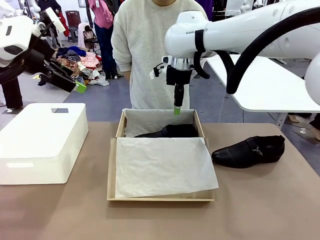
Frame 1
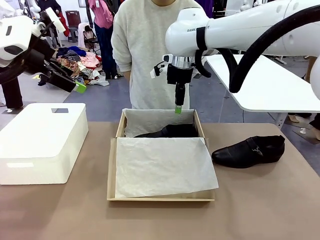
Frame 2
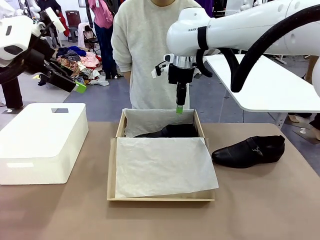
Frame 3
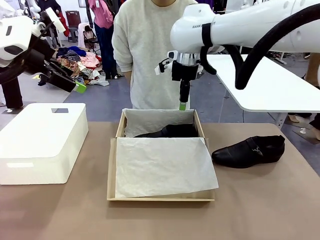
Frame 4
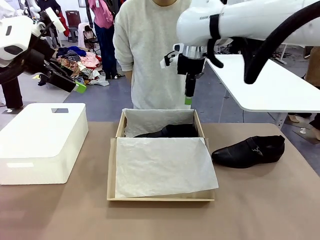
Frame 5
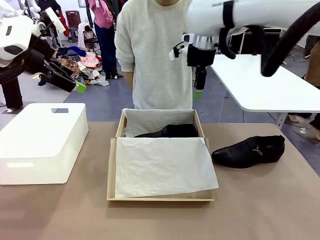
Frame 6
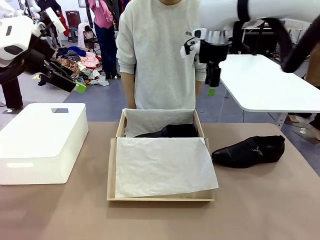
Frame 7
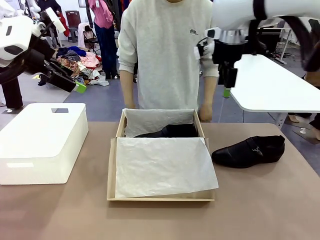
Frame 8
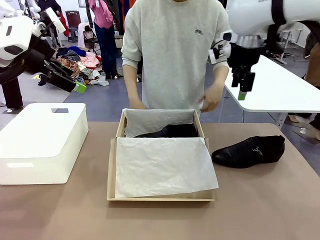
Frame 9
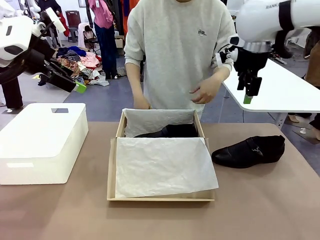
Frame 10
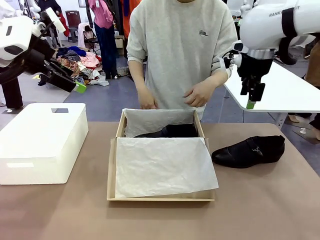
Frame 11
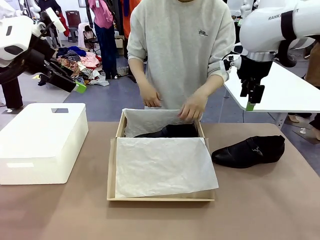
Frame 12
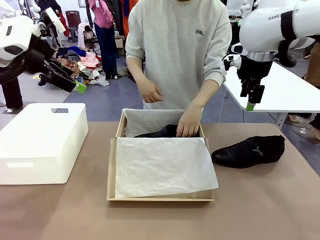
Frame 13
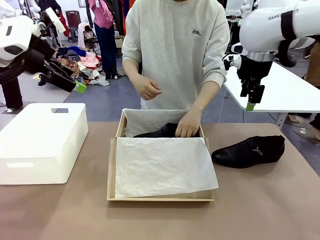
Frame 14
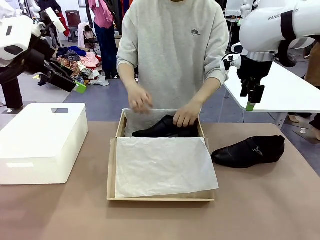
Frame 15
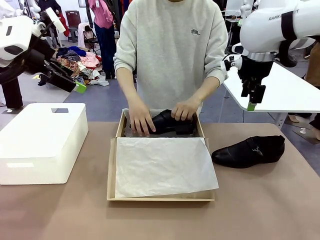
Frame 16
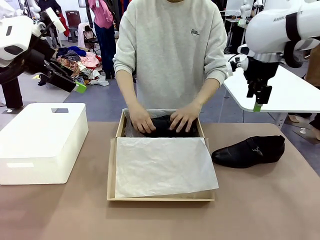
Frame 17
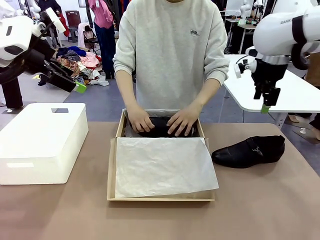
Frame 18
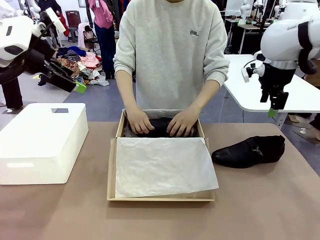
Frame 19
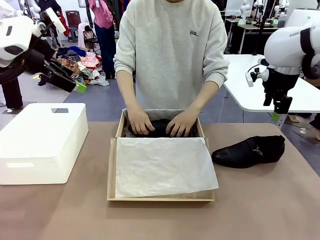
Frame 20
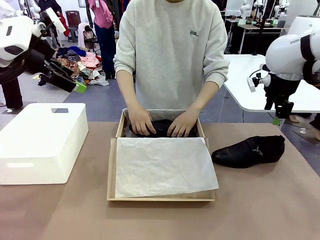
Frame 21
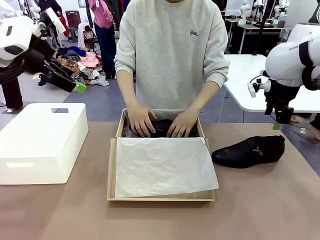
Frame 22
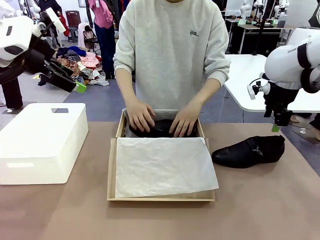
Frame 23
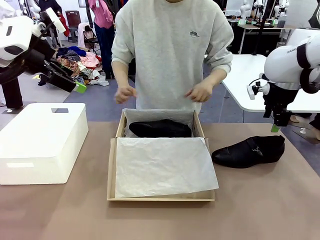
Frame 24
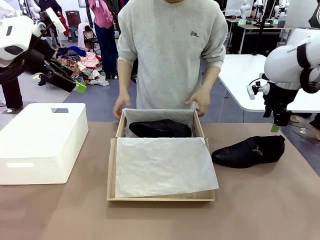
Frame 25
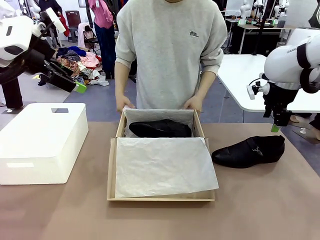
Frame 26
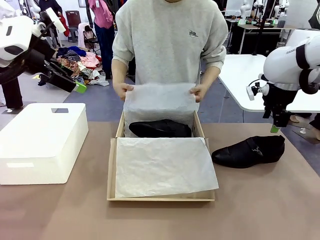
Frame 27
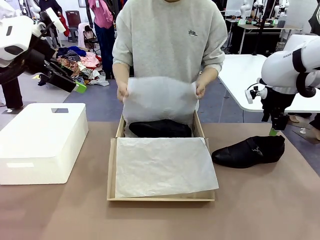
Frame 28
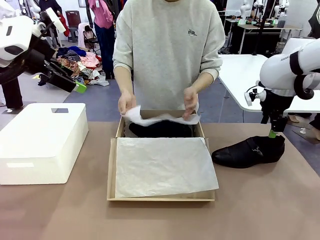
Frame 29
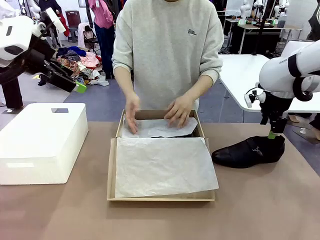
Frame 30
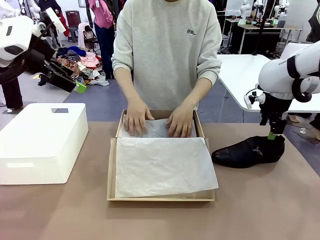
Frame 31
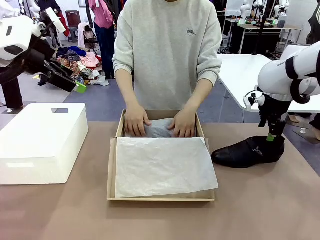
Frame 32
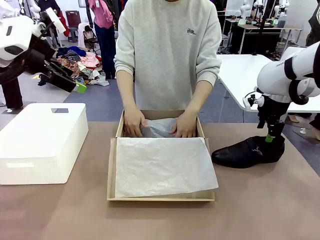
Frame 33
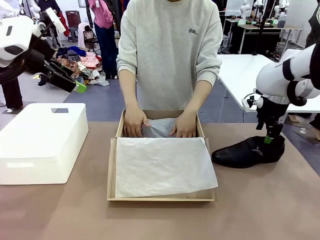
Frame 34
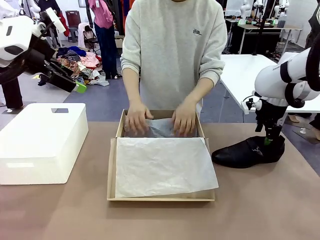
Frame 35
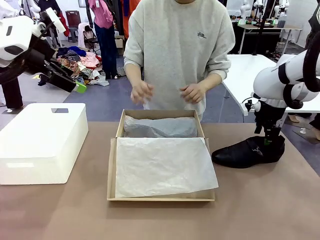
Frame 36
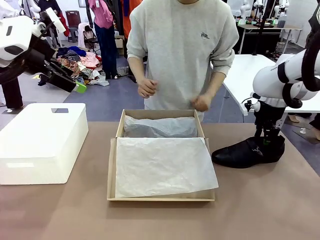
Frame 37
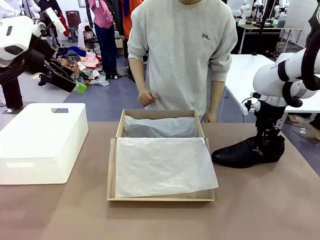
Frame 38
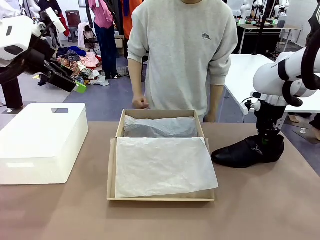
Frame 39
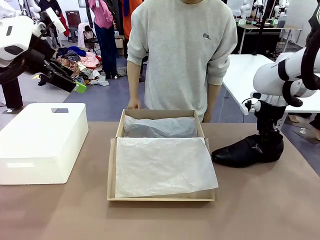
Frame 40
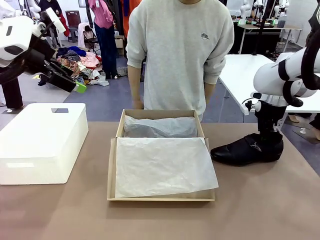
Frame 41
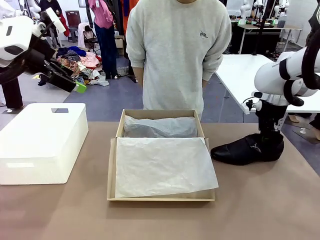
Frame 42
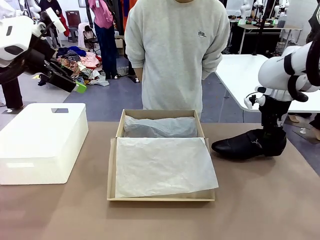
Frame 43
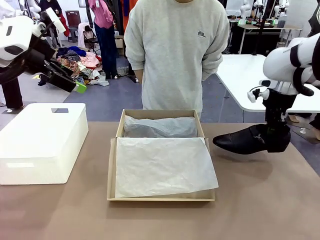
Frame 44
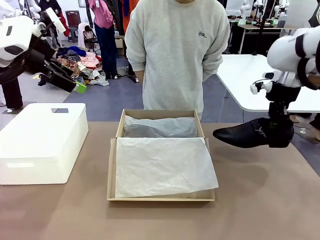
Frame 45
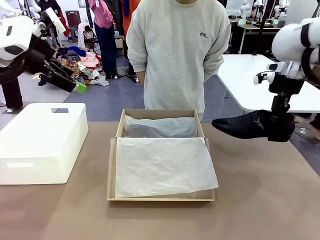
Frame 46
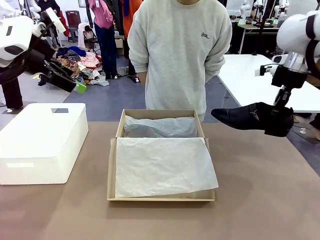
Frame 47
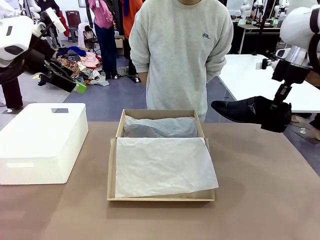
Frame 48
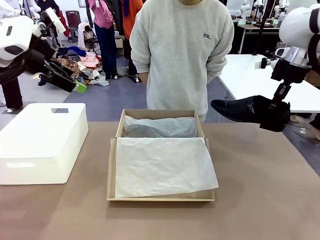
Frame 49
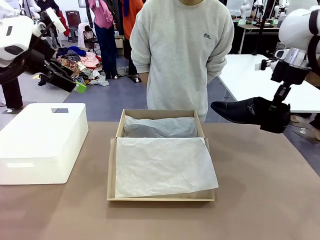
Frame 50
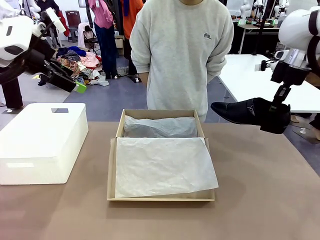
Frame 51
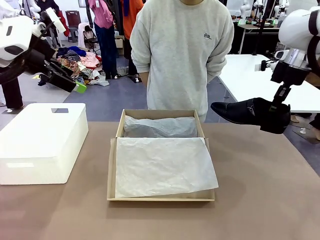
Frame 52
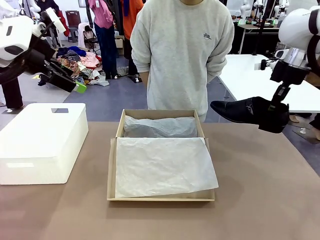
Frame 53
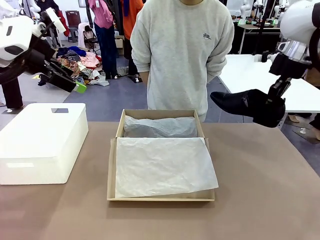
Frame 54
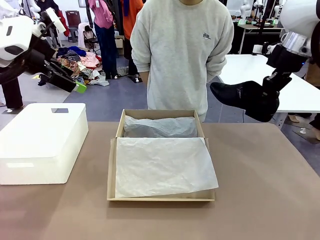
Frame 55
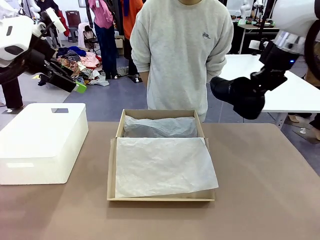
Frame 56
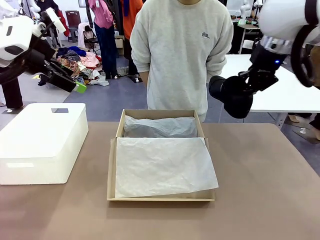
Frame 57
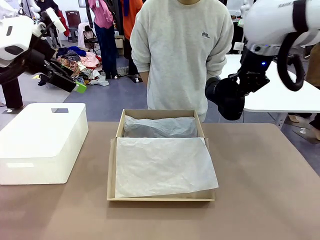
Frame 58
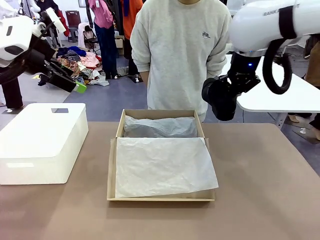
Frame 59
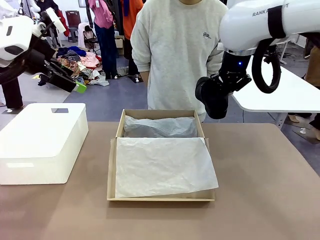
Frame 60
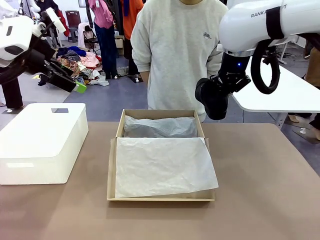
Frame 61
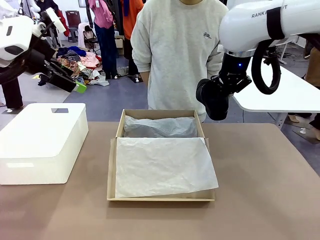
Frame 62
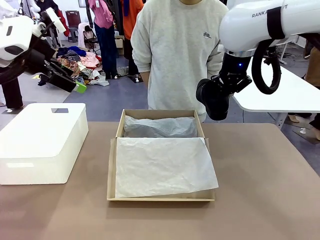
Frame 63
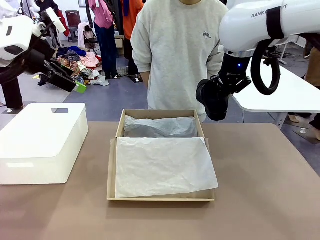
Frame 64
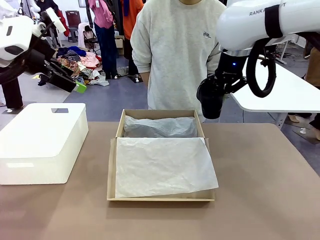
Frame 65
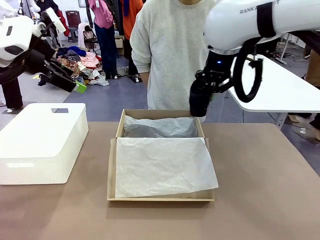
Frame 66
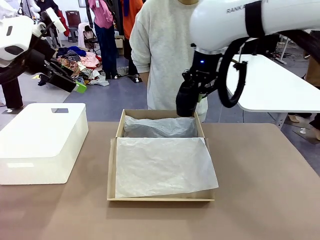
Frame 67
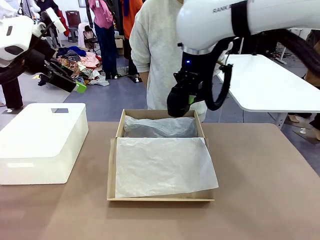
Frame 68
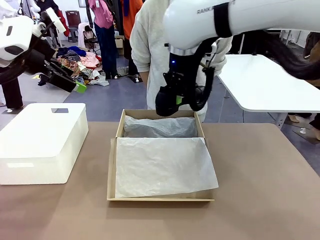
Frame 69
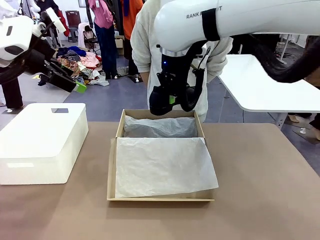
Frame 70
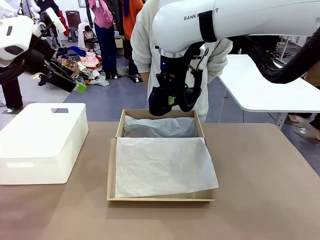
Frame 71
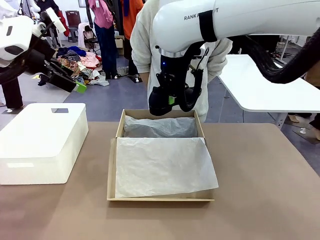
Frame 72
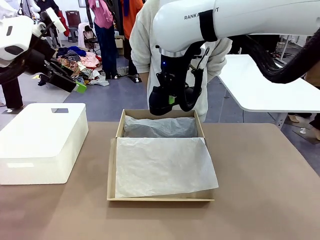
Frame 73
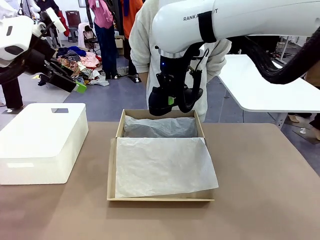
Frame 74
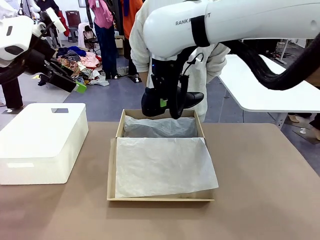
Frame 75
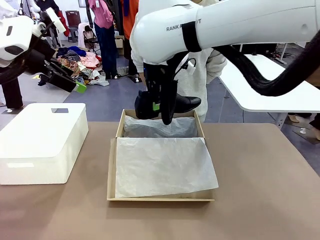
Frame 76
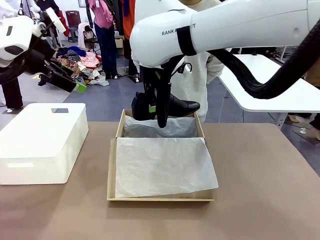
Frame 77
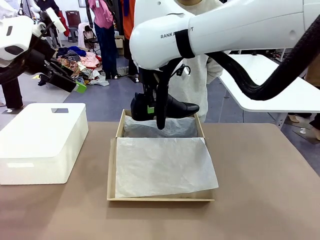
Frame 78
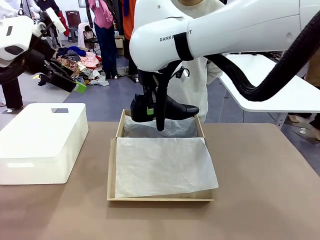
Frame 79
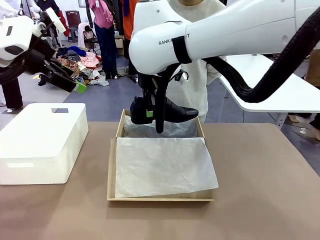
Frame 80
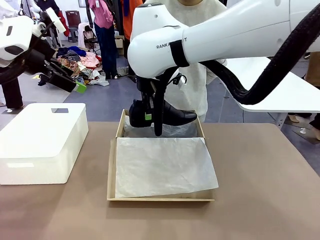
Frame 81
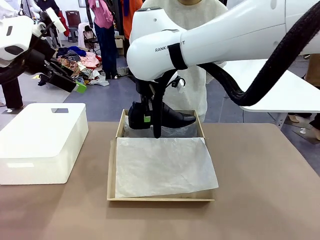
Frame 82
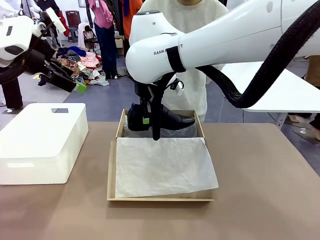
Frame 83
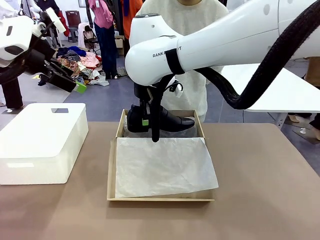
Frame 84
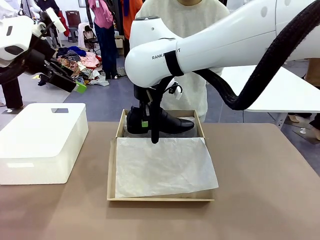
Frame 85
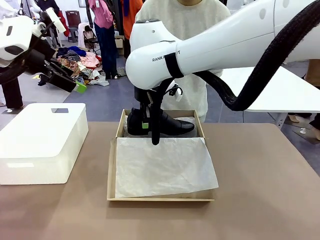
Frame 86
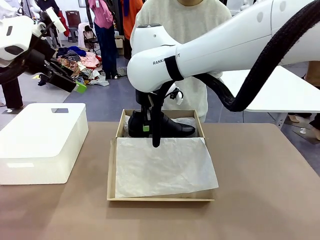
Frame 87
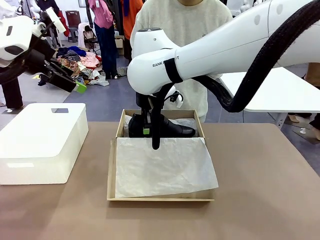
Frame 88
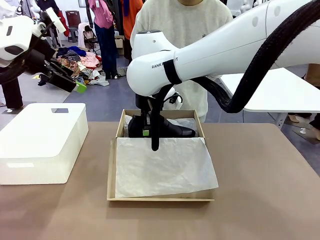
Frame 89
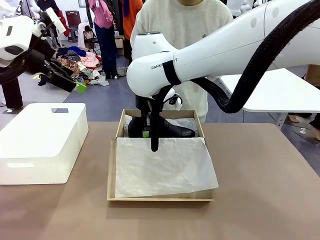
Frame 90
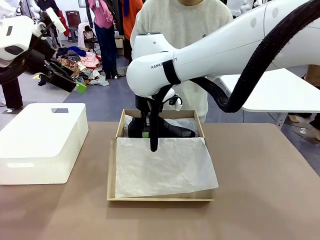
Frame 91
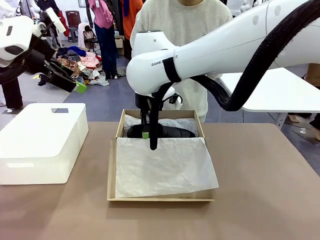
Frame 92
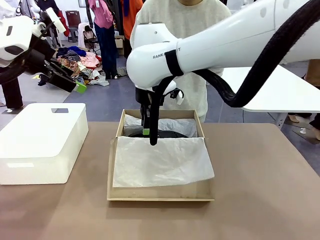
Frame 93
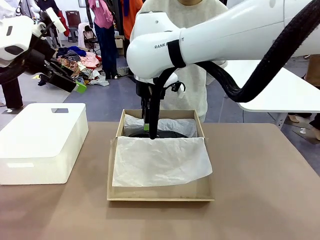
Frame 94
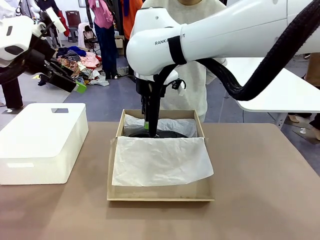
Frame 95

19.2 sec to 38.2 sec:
Task: Pack the shoes into the box.
Robot: Place the other shoe of the Shoes into the Shoes Box.
Person: Pack a shoe of Shoes inside the Shoes Box with Shoes Wrapping Paper.
